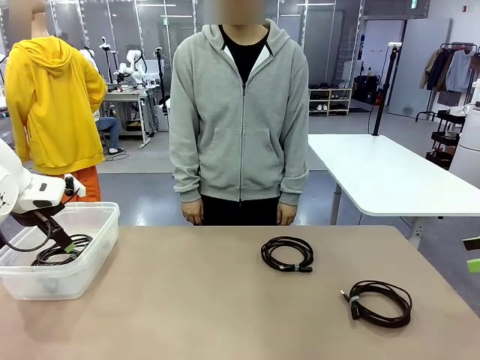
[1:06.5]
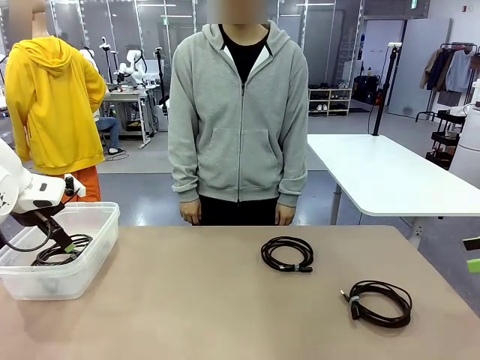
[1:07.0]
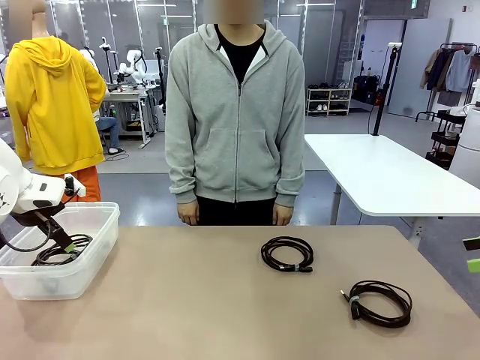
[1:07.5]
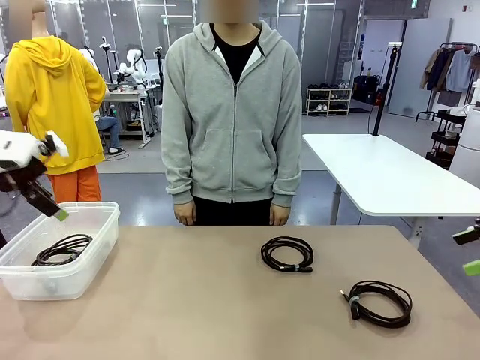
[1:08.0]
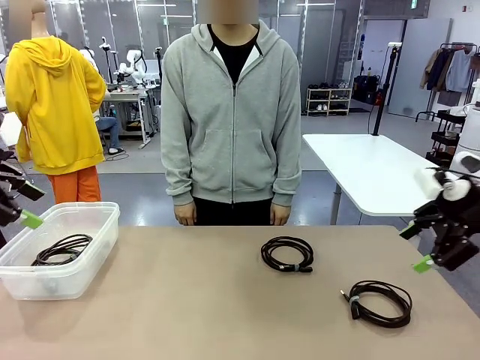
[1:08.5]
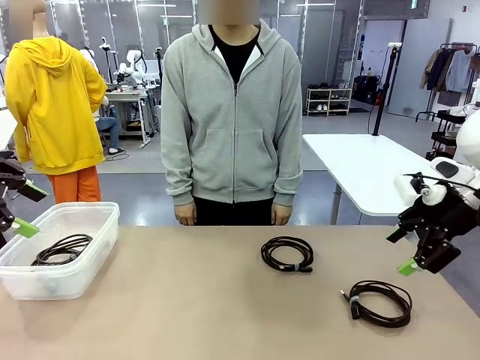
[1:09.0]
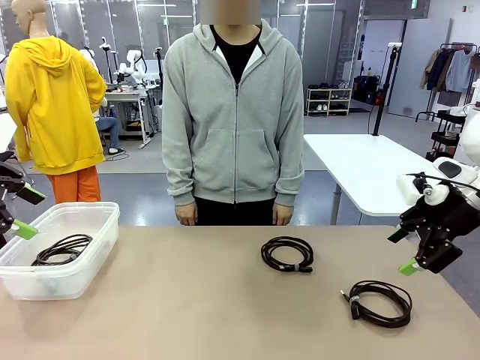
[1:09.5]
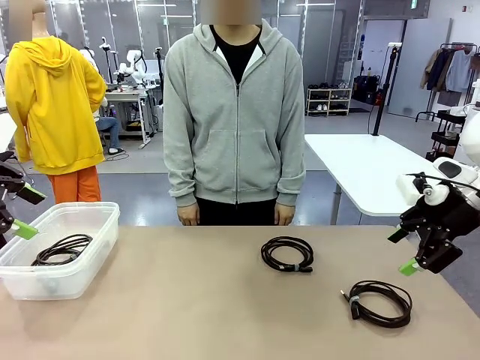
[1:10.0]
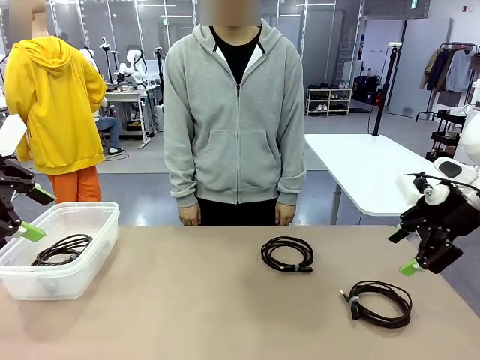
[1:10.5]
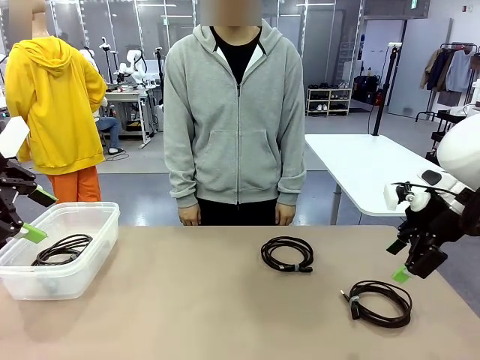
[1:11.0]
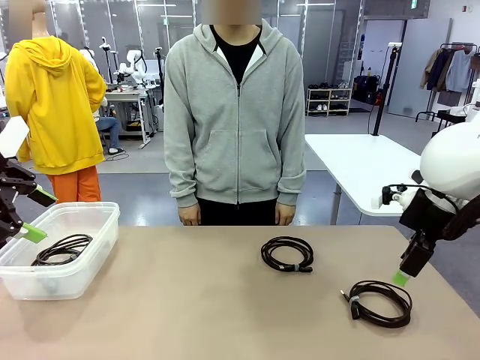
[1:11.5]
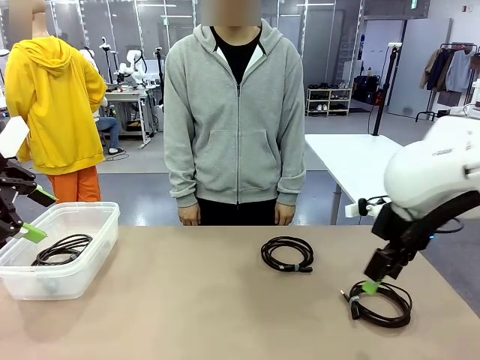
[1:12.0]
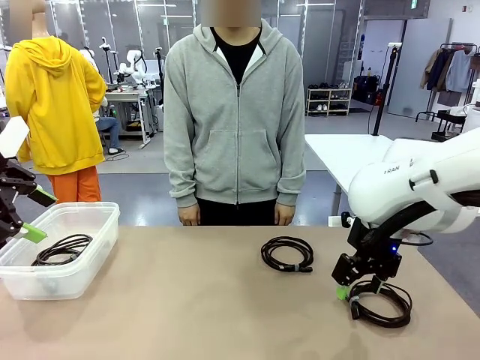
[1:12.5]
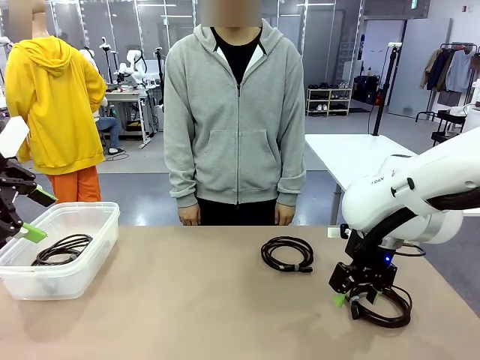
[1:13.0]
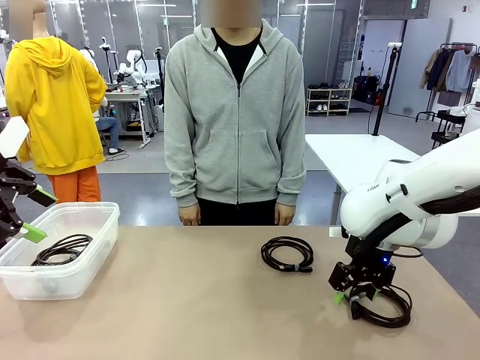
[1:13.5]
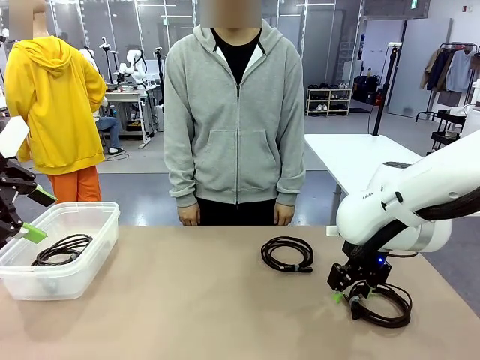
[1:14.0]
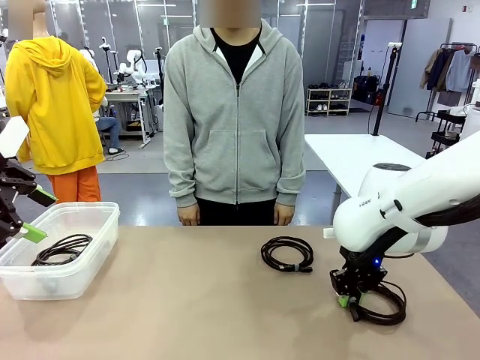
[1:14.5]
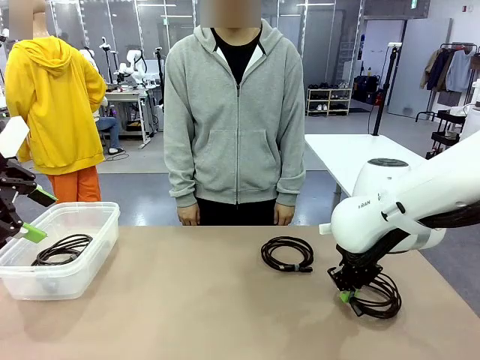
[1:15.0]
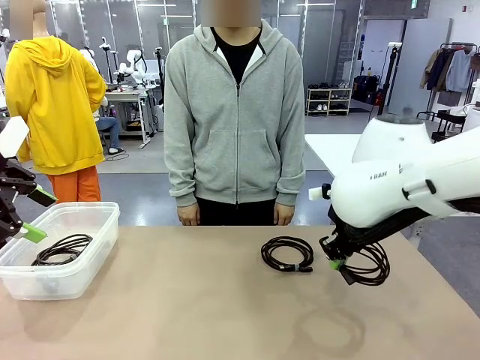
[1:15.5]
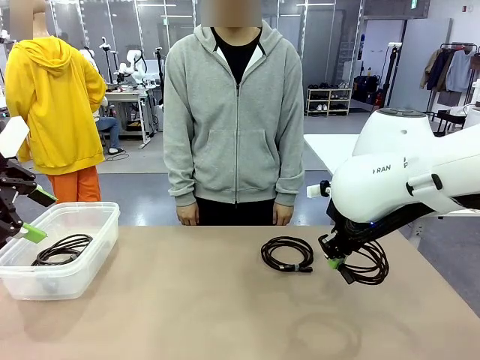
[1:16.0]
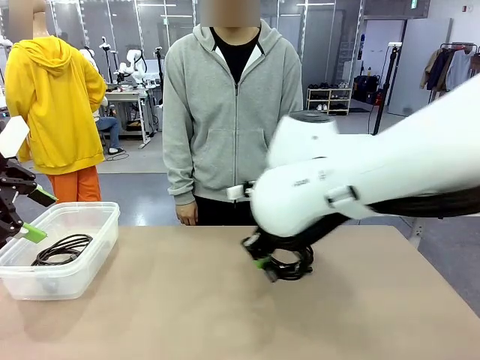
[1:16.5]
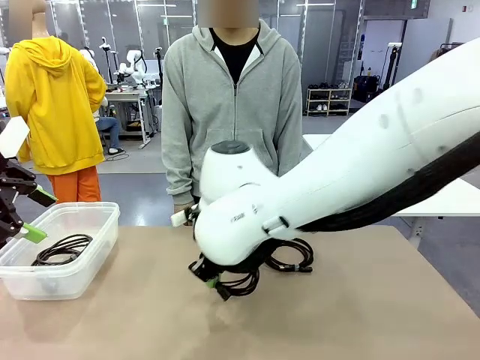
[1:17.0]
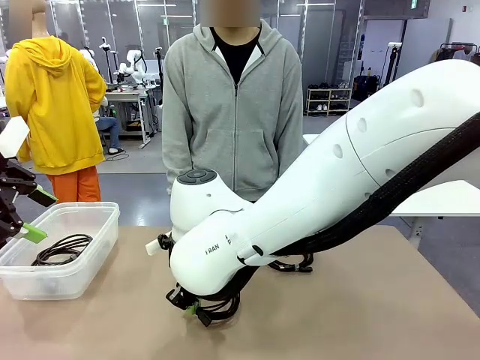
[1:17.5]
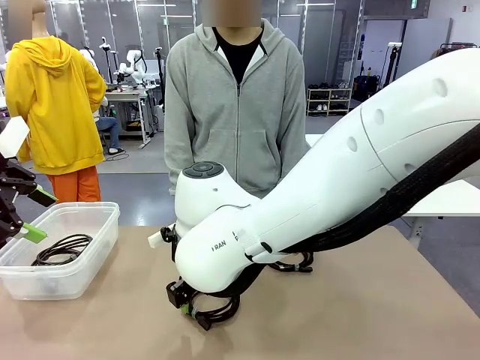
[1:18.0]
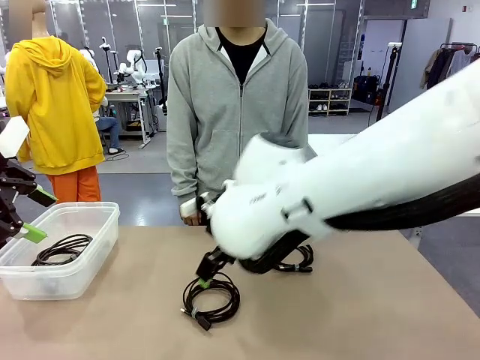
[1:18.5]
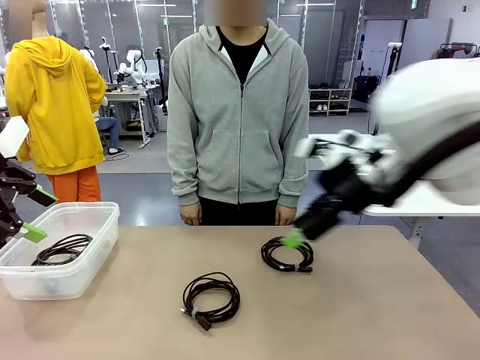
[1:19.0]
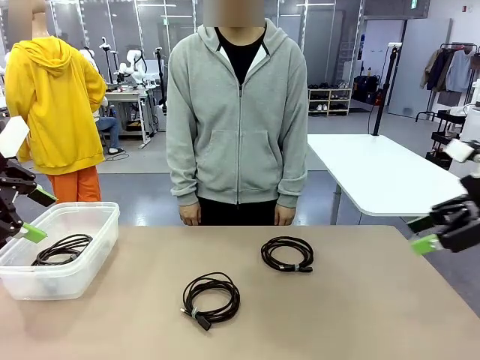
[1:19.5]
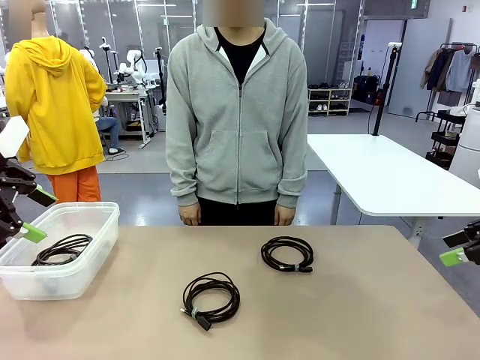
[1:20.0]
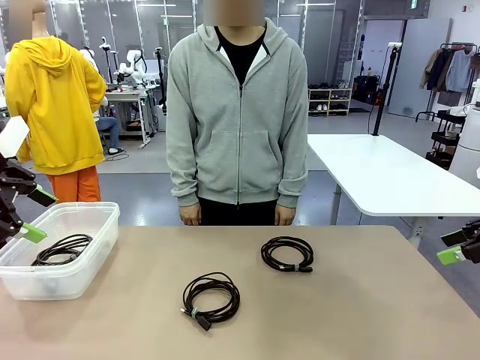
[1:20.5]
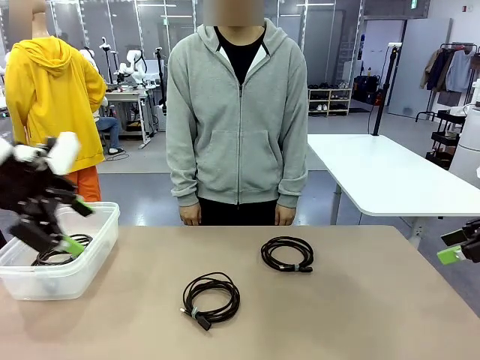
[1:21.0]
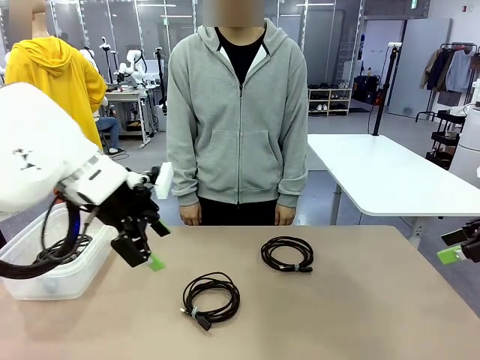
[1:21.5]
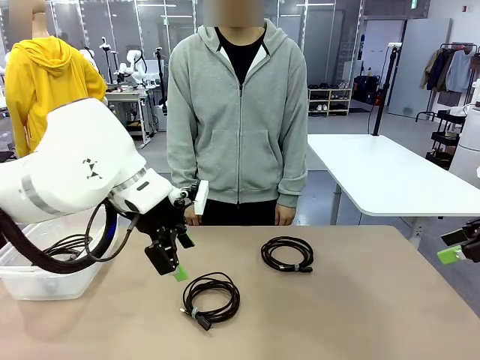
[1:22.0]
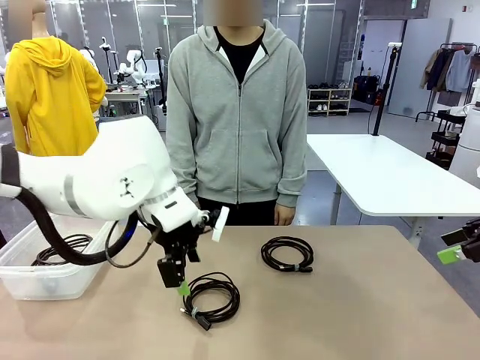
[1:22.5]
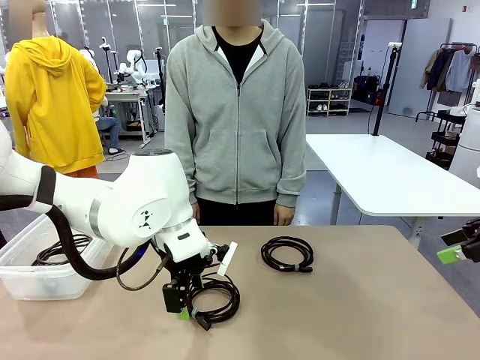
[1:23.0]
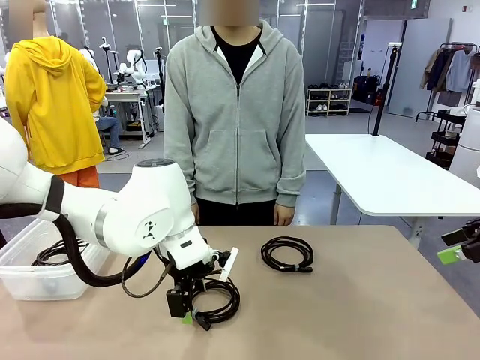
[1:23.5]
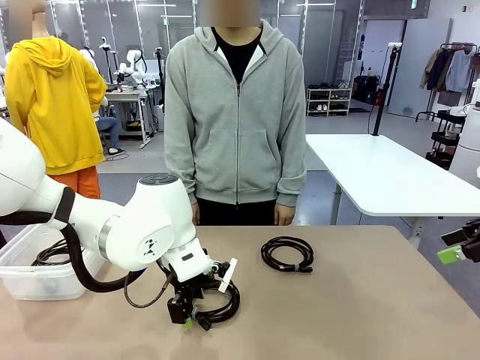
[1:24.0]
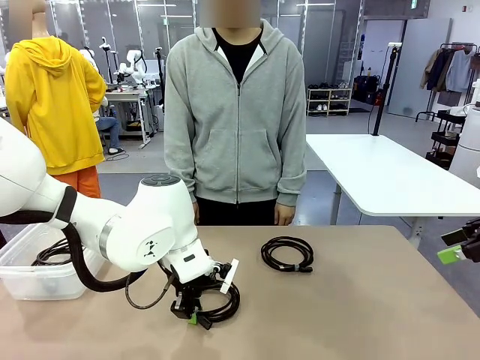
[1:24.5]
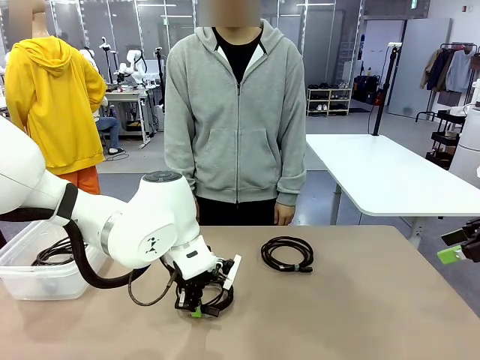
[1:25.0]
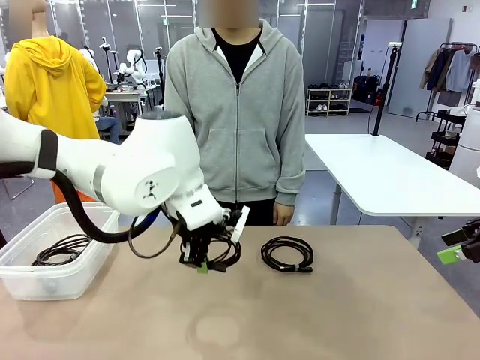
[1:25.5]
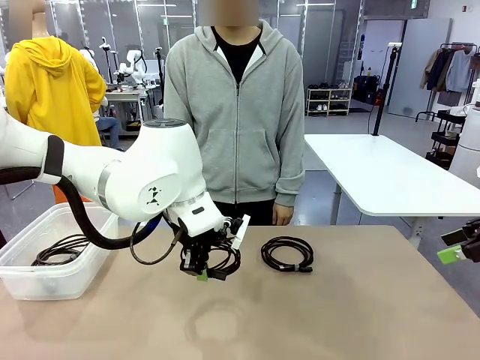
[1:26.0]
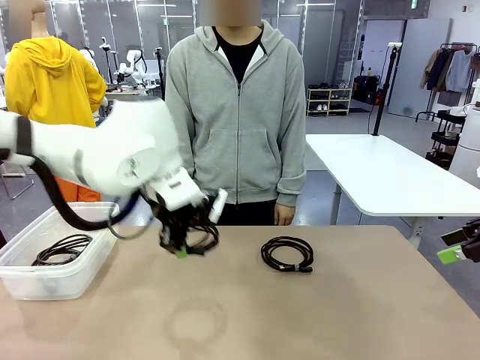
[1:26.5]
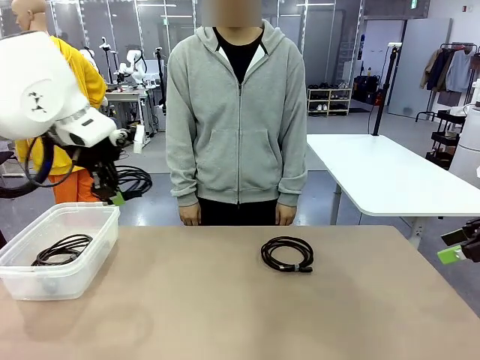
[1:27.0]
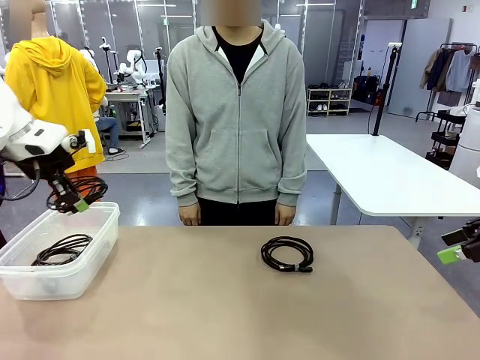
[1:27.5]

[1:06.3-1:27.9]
Task: Organize and store the cables.
Robot: Place the USB Extension Cable into the Organizing box.
